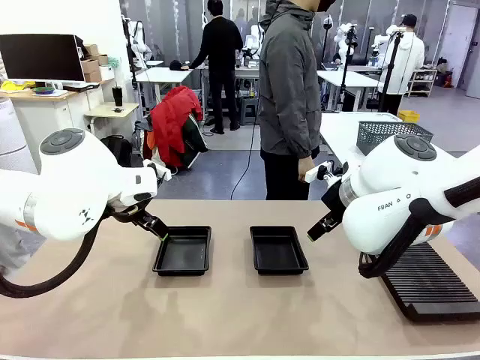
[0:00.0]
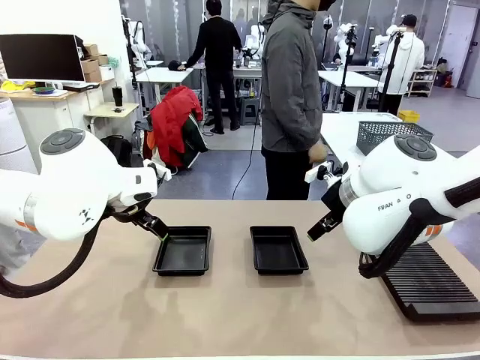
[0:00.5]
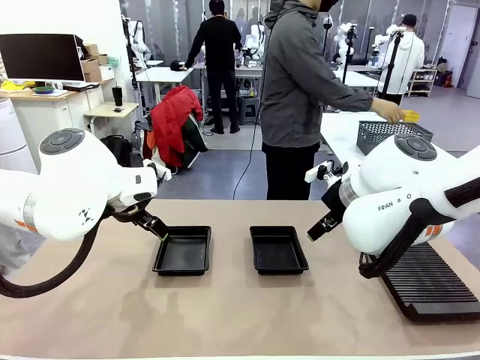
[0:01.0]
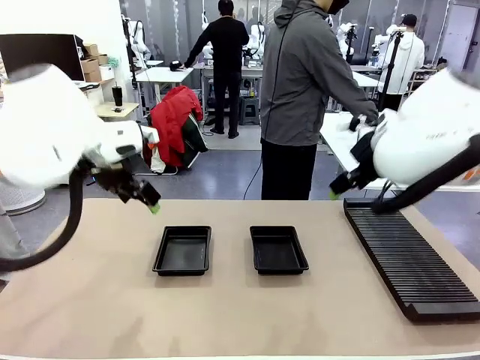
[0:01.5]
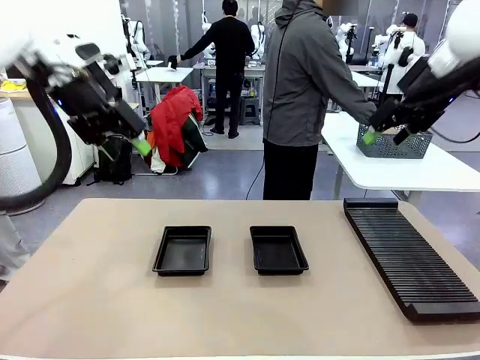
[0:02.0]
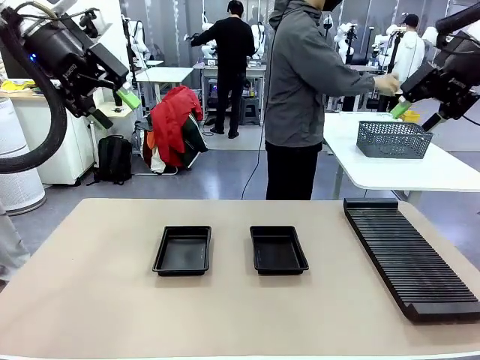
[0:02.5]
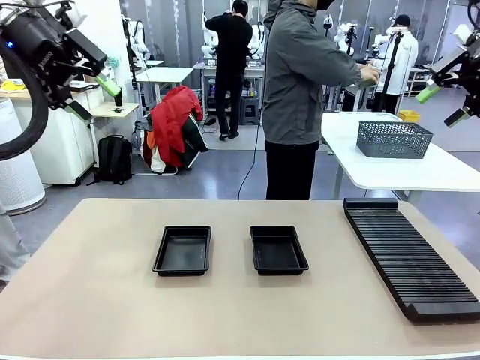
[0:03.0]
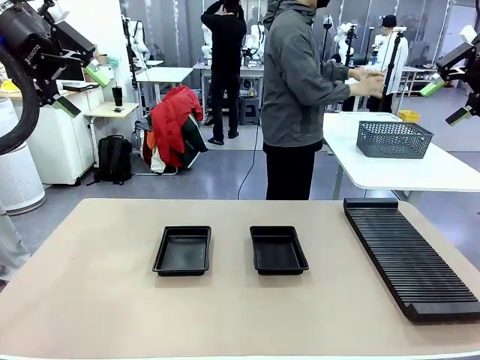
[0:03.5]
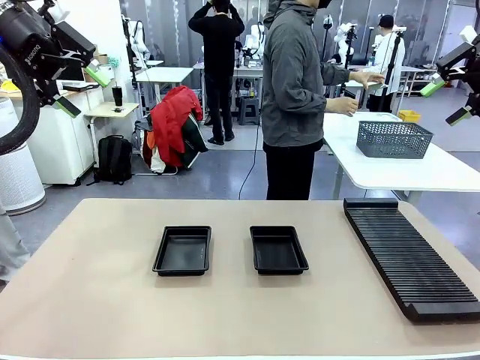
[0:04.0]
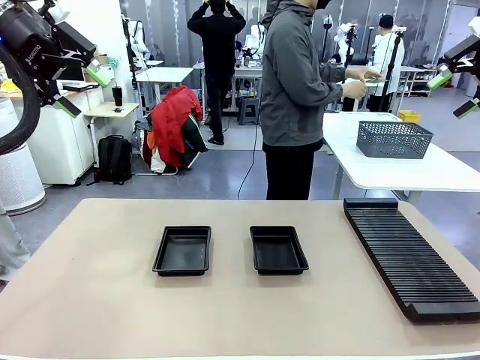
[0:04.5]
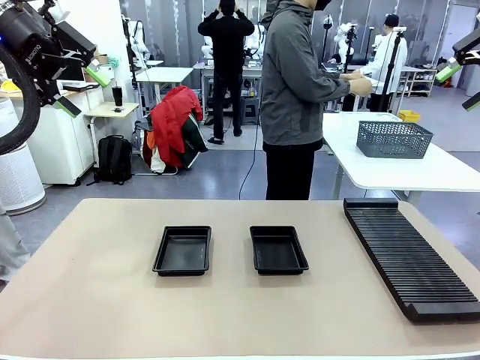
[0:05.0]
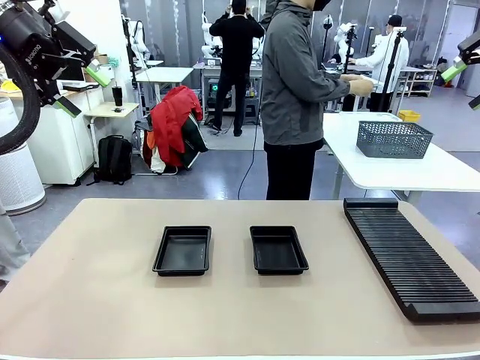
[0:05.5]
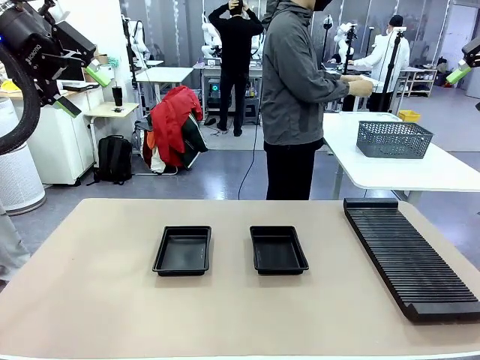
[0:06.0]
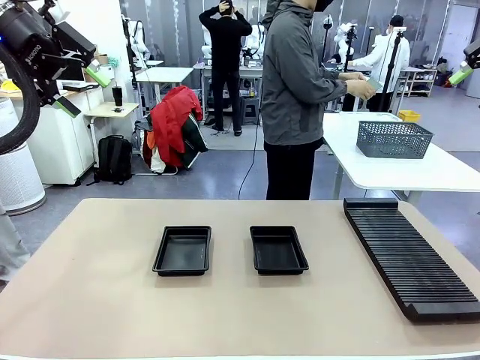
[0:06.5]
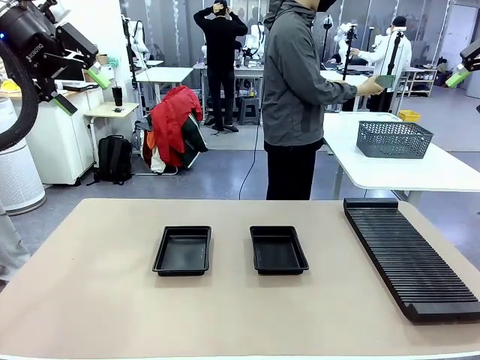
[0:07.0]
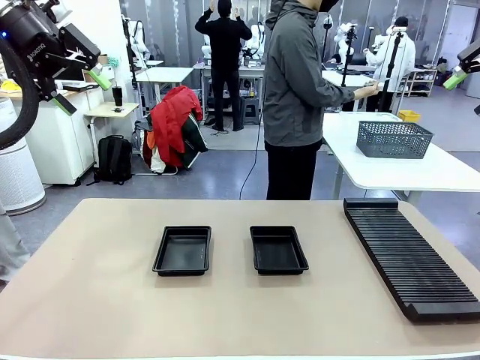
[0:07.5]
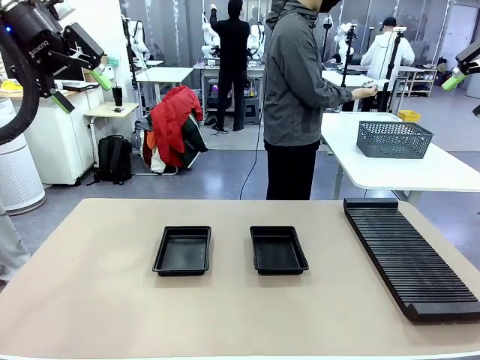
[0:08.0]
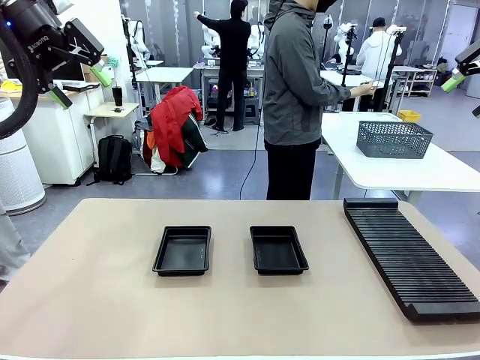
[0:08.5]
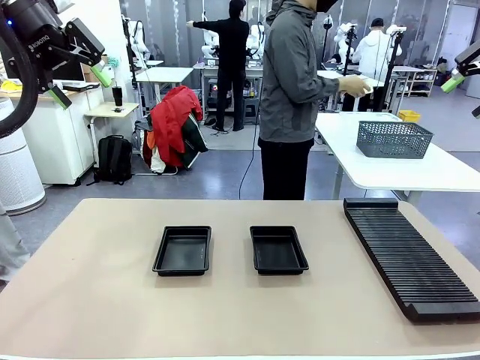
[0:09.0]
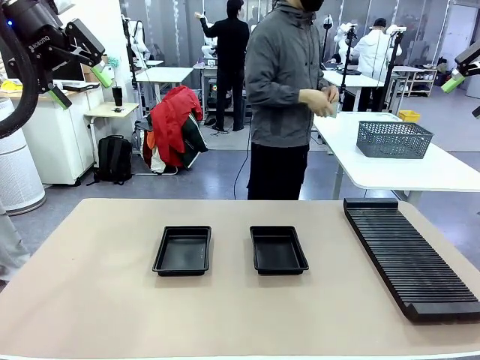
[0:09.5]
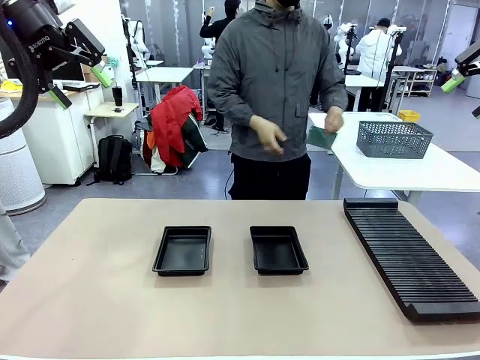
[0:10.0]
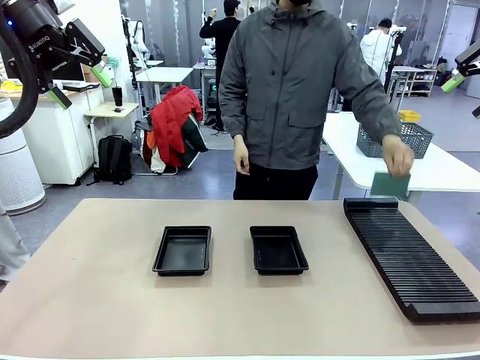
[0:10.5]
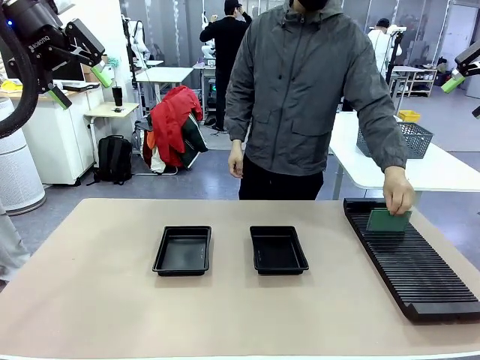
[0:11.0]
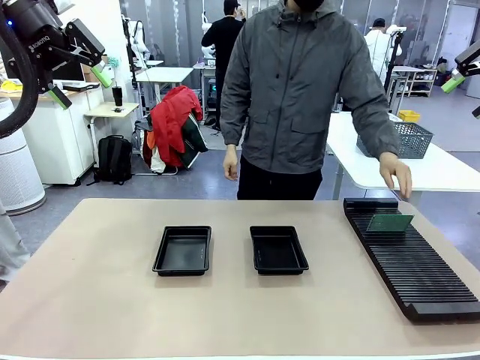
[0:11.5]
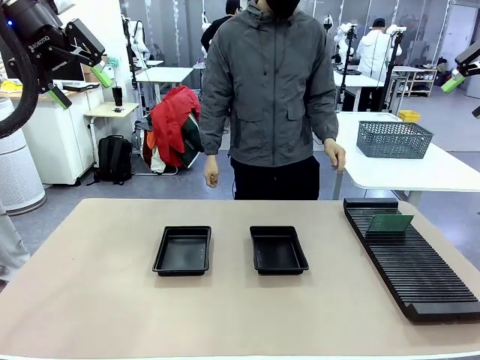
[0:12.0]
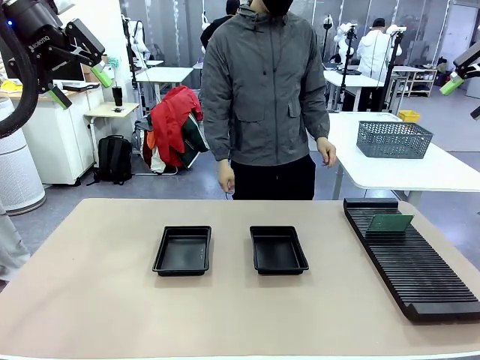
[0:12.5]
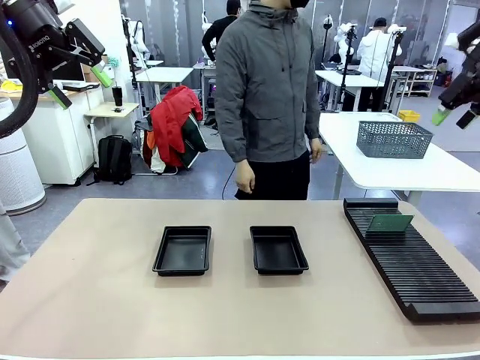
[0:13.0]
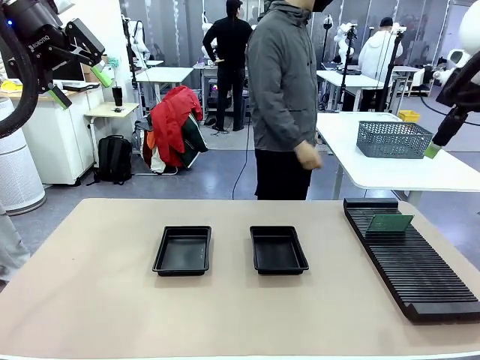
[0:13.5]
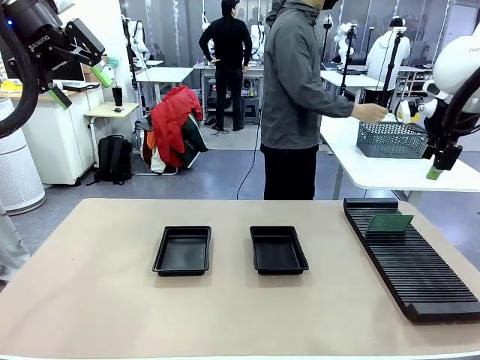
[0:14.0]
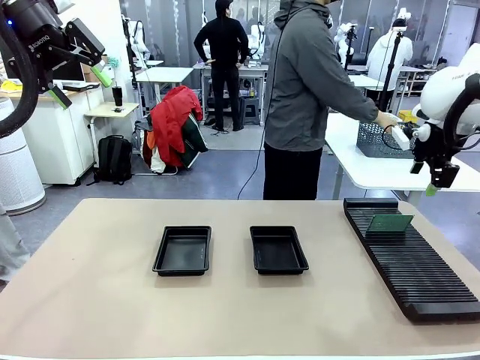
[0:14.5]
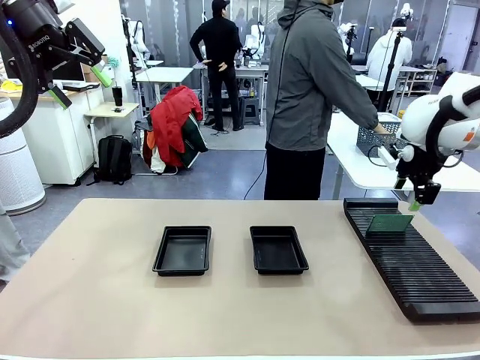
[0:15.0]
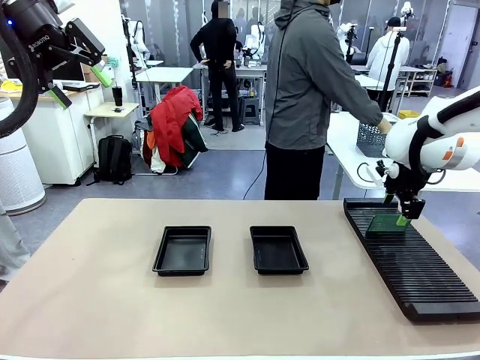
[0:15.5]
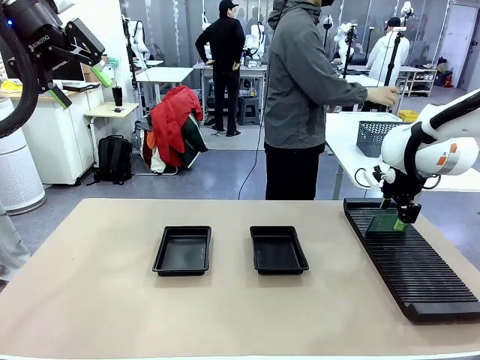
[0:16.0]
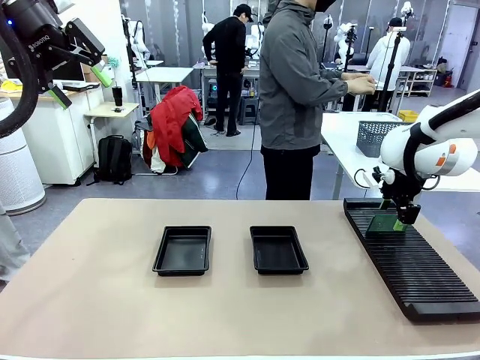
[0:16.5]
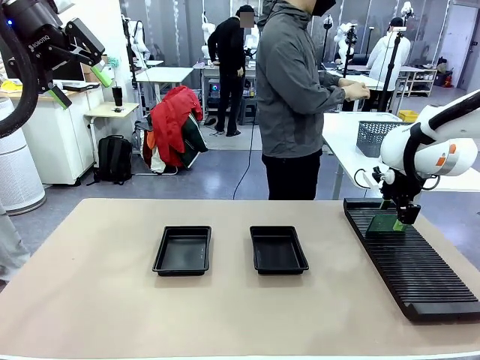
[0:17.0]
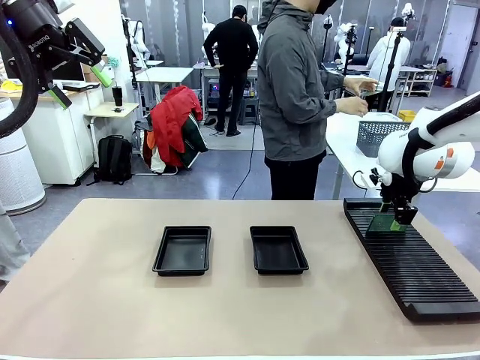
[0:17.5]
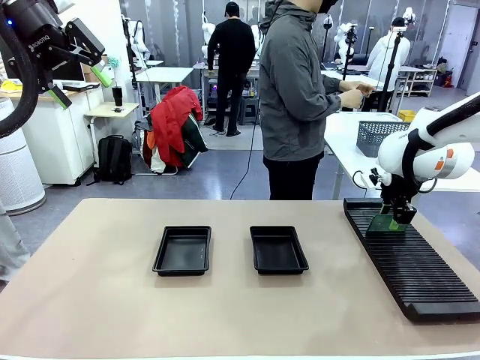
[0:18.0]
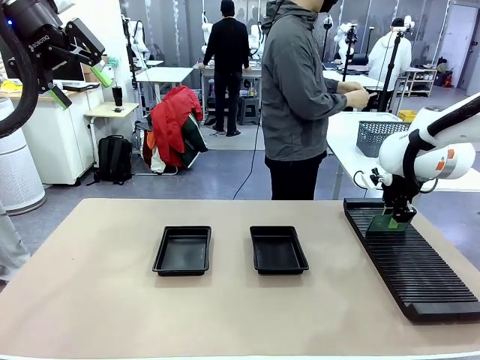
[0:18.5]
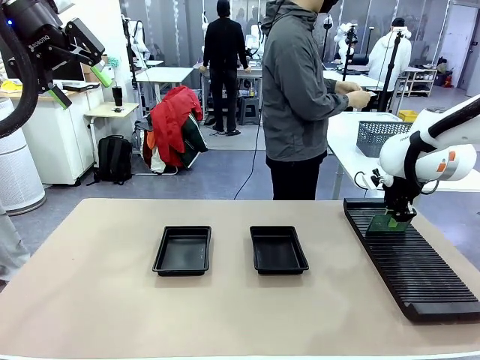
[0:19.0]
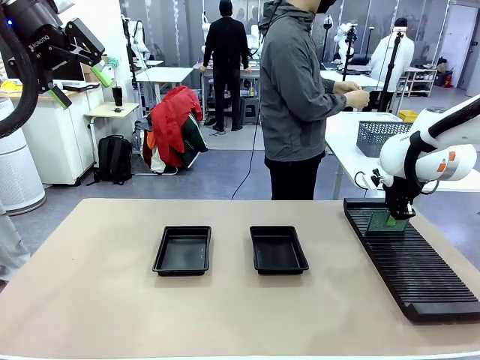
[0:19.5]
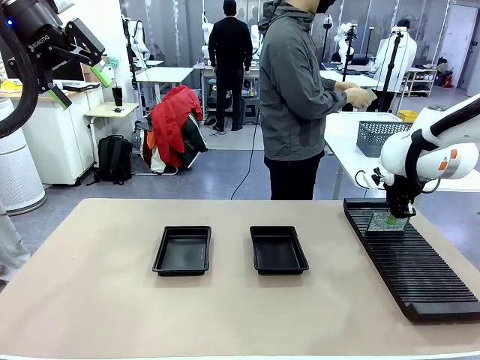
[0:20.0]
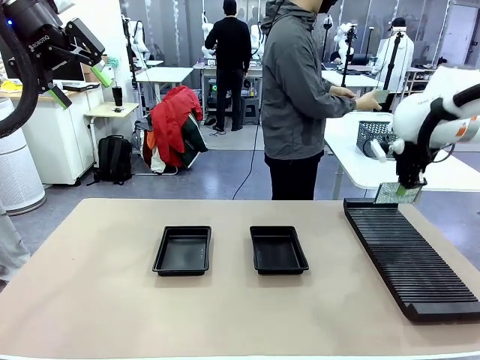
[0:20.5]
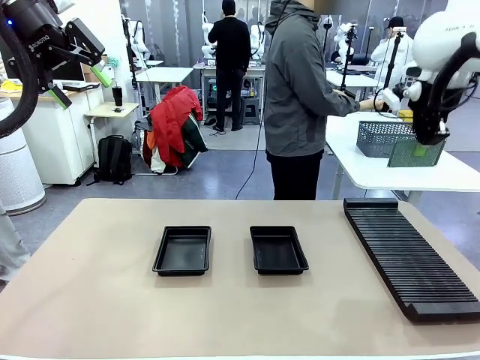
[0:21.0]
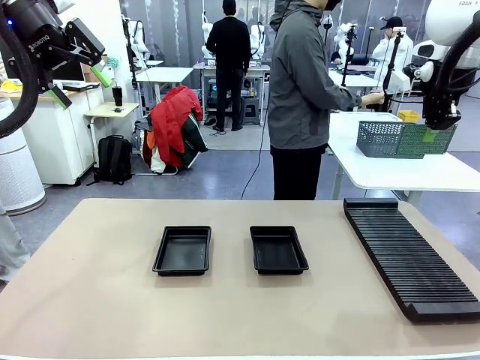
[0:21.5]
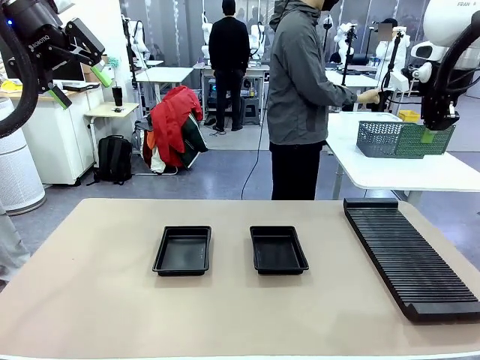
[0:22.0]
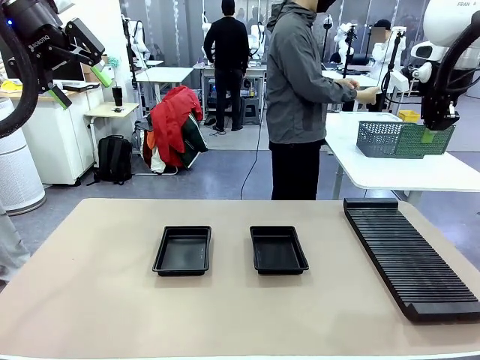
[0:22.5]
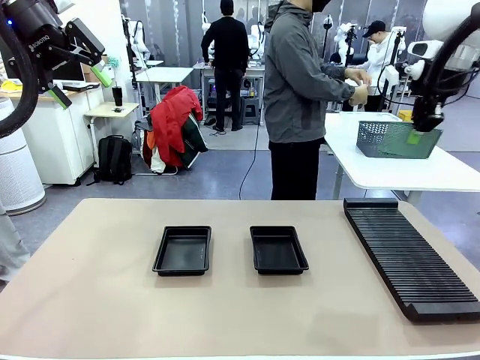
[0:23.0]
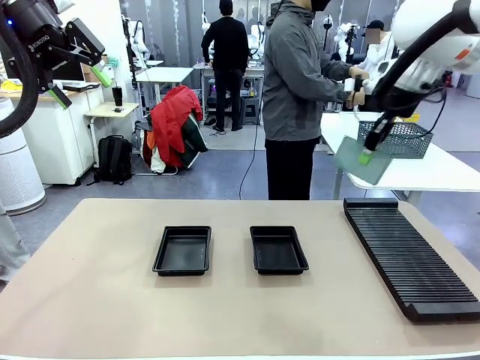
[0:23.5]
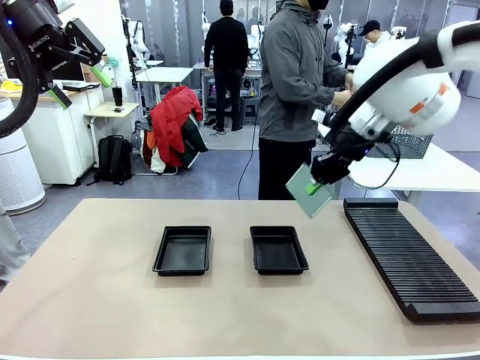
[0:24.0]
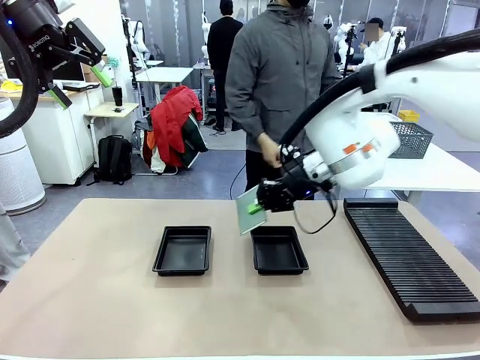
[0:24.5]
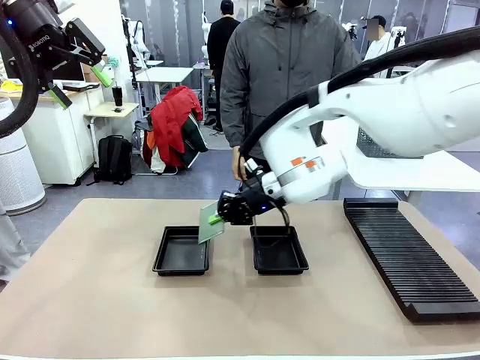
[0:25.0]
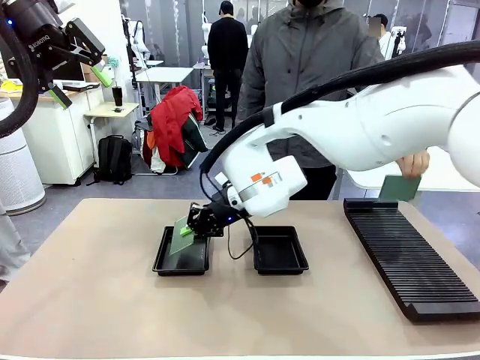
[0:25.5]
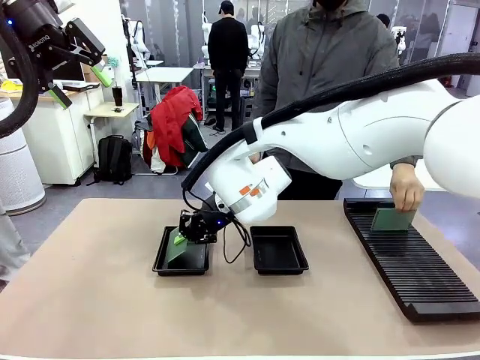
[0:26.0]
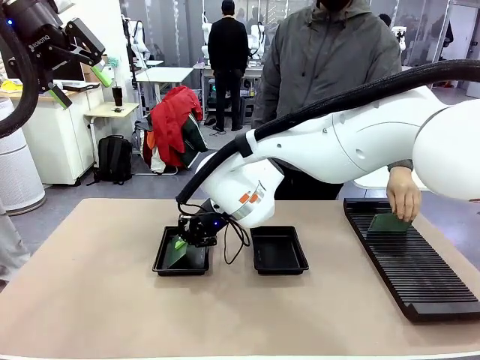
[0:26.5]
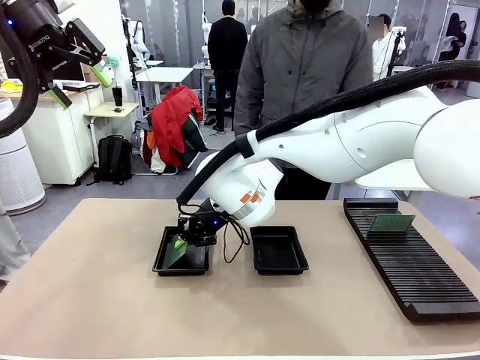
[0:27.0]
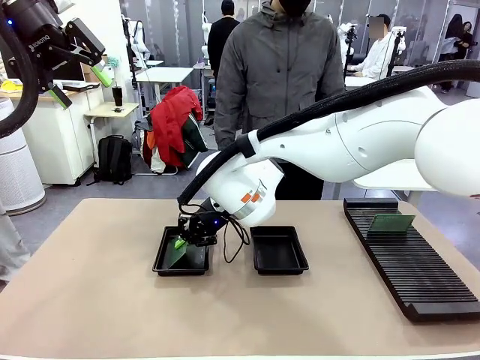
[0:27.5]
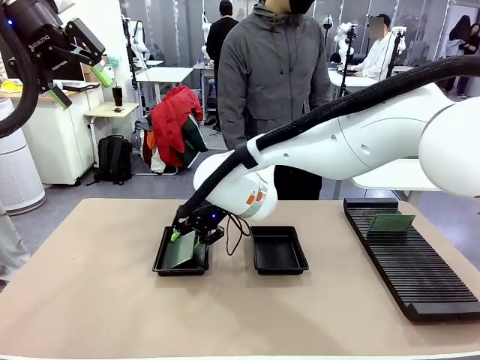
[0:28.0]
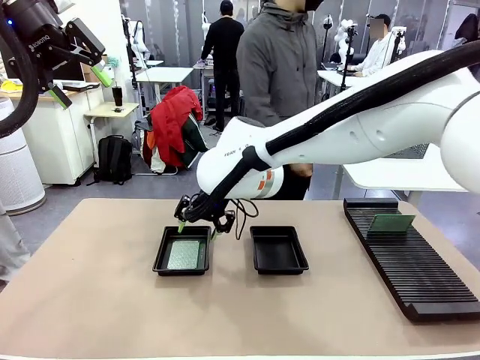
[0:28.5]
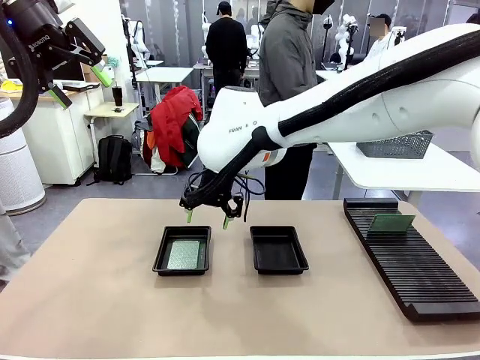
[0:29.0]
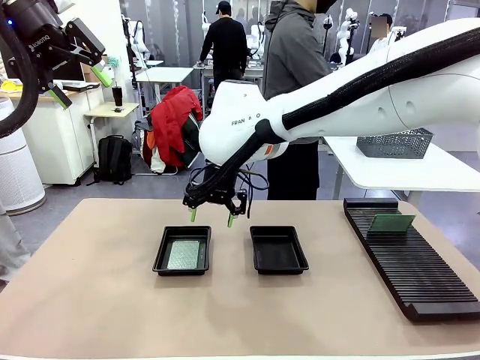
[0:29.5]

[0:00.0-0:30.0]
Task: Inspect and transfer BCBs to ESD trays.
Robot: Pick up the Blank PCB from the PCB Rack and place it in the left ESD tray.
